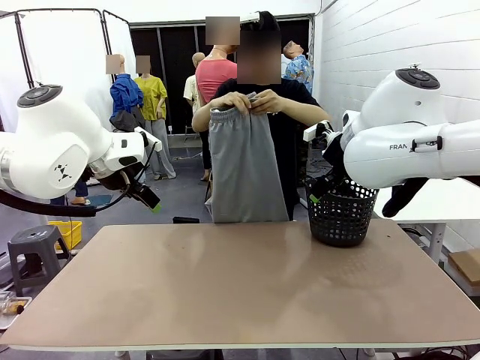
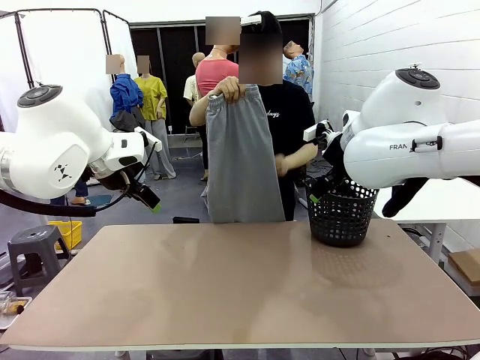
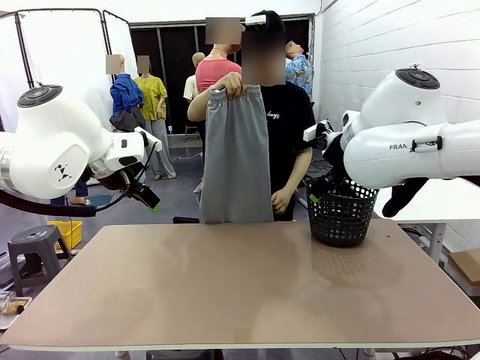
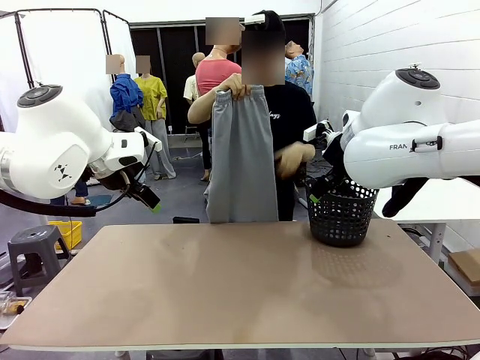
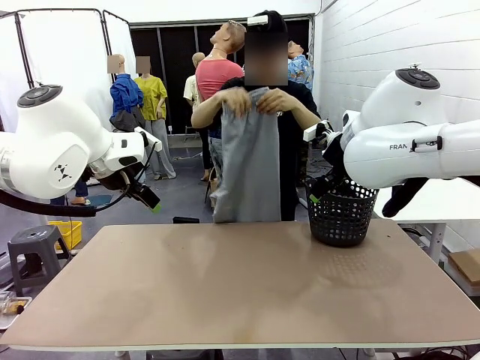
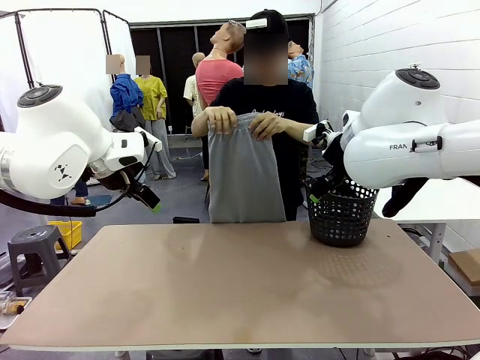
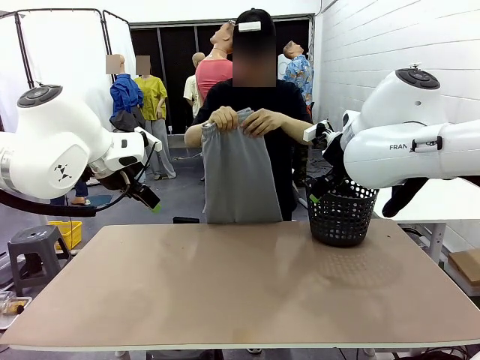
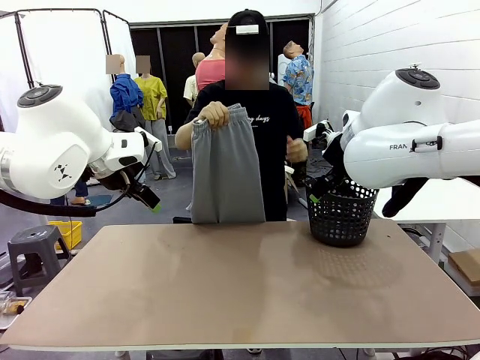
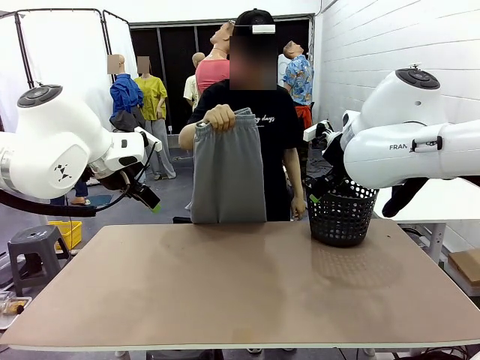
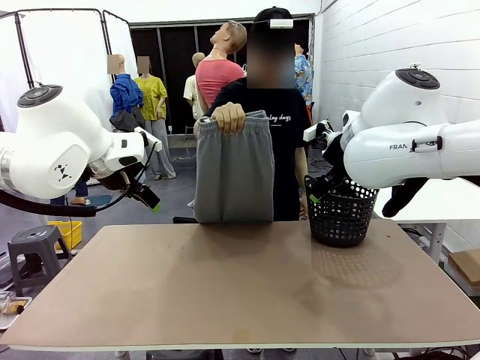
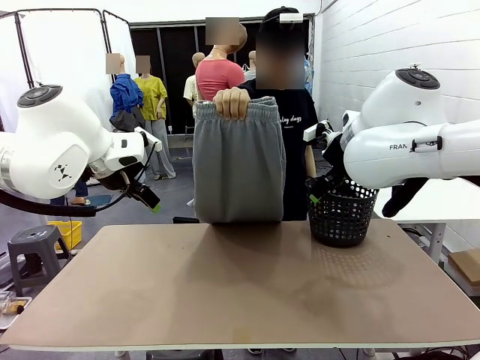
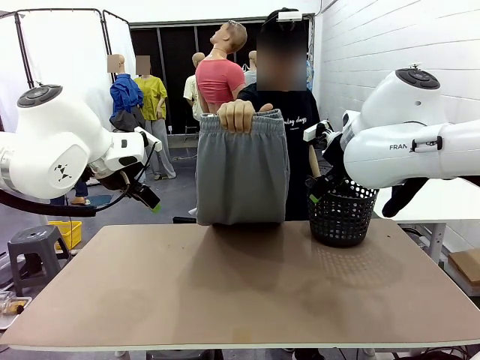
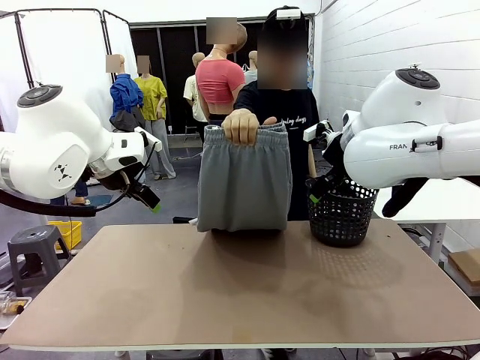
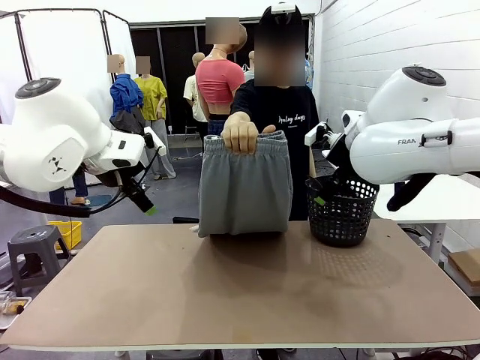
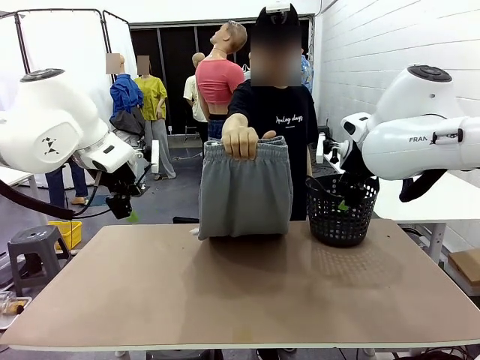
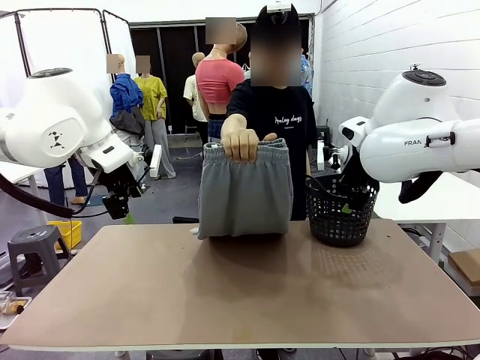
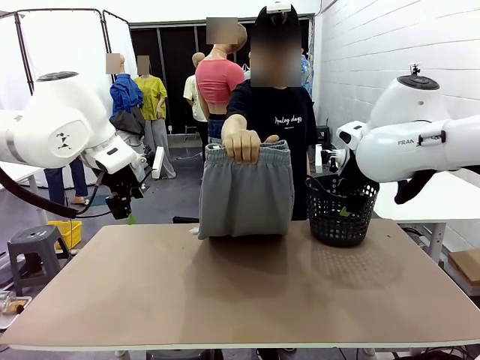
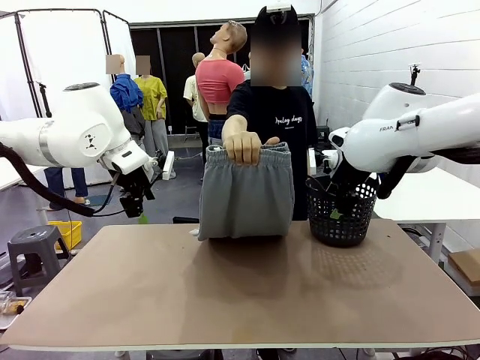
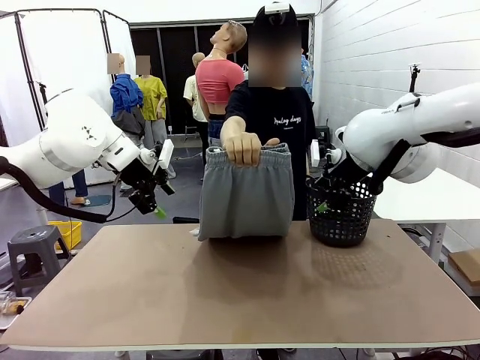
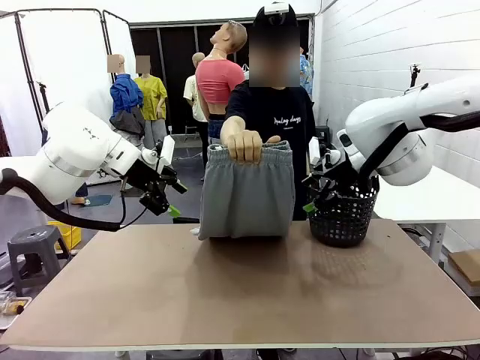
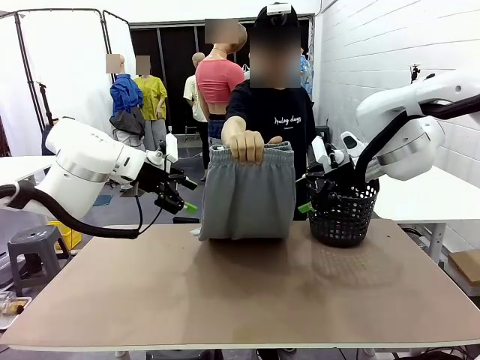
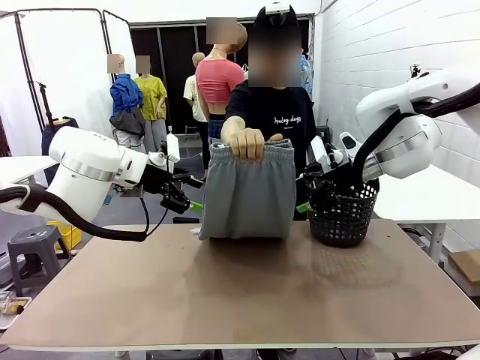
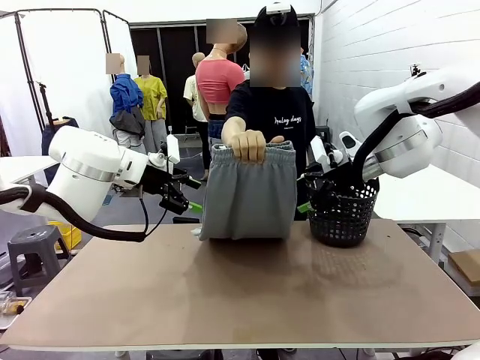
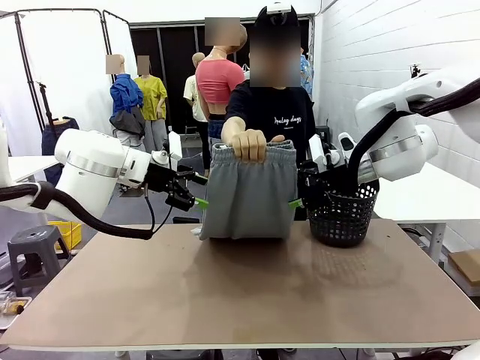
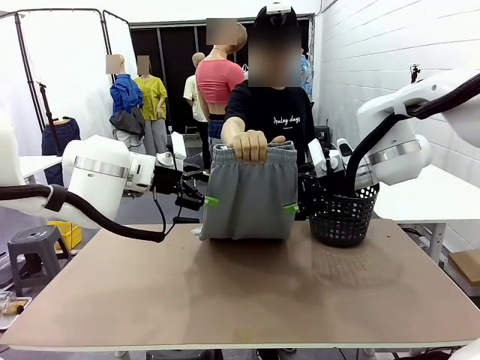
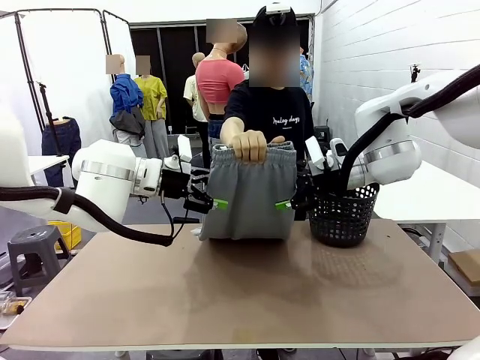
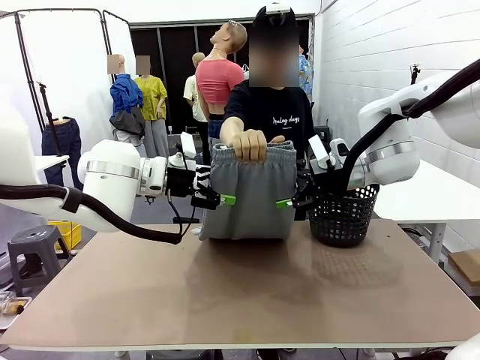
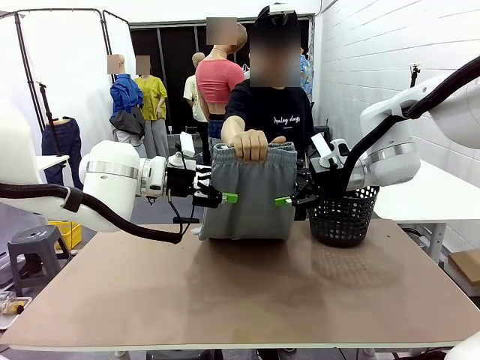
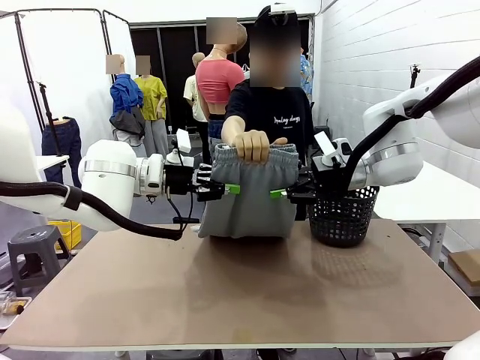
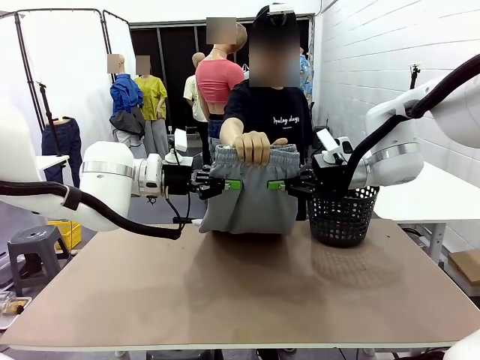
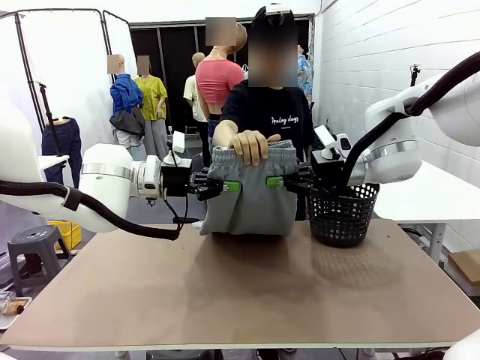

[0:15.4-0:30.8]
Task: Fold the training pants.
Robot: Grab both ends of the Training pants handed by a person.

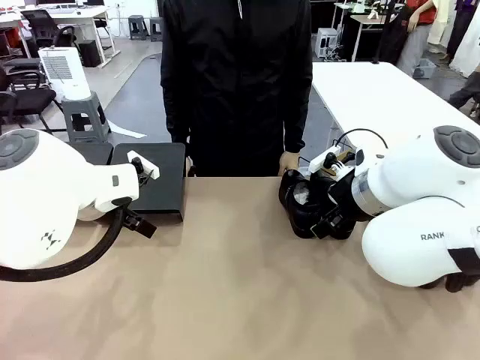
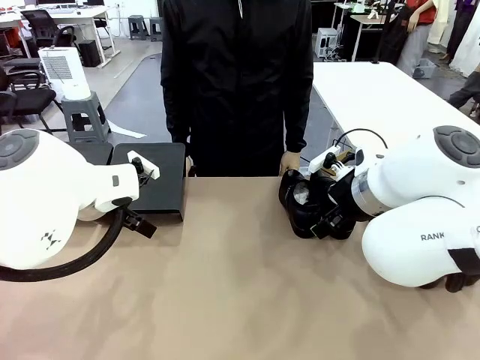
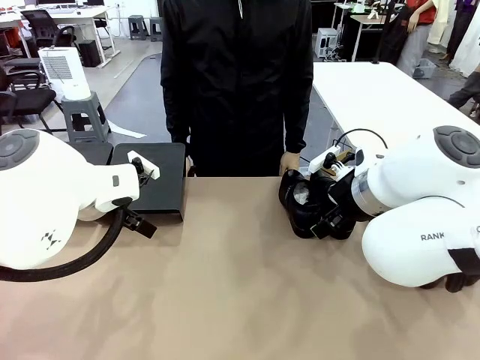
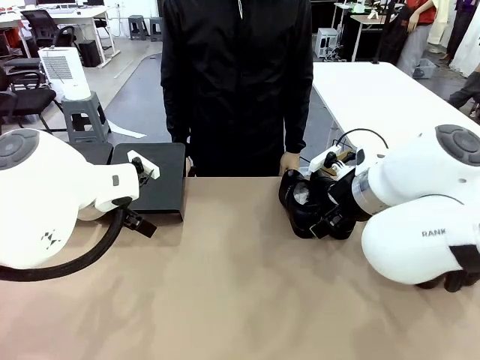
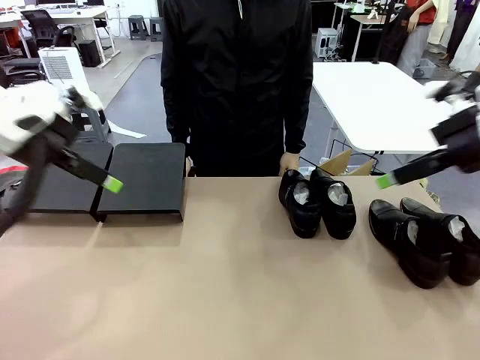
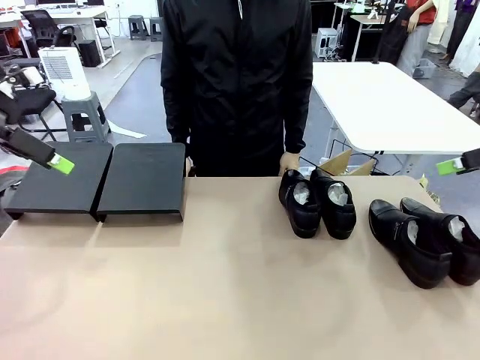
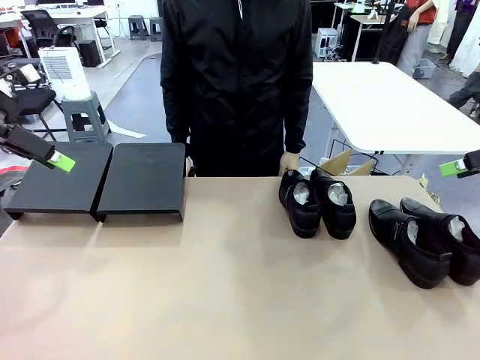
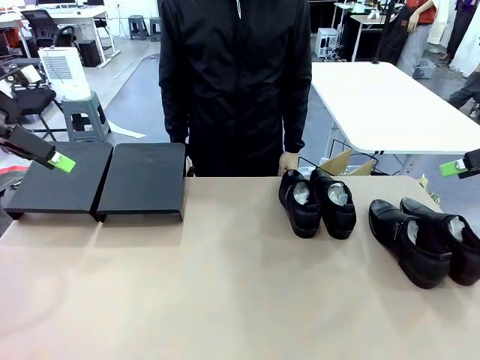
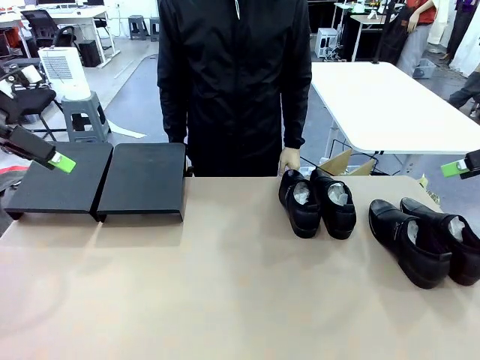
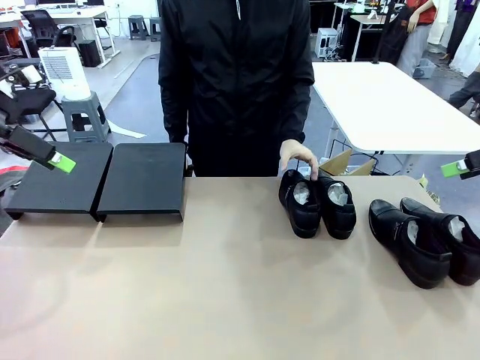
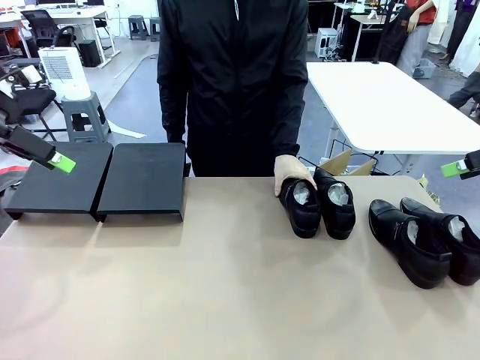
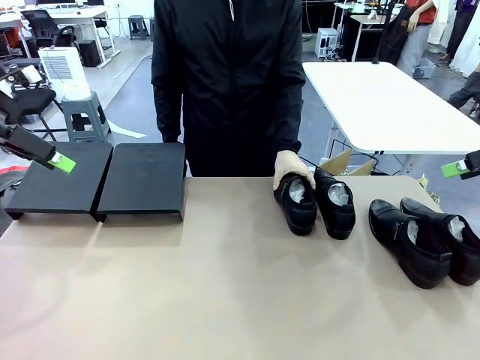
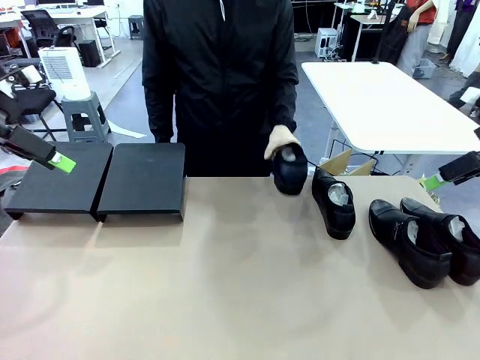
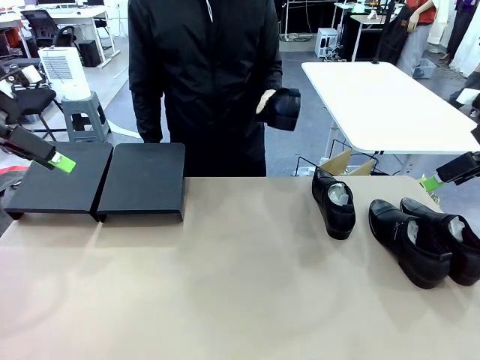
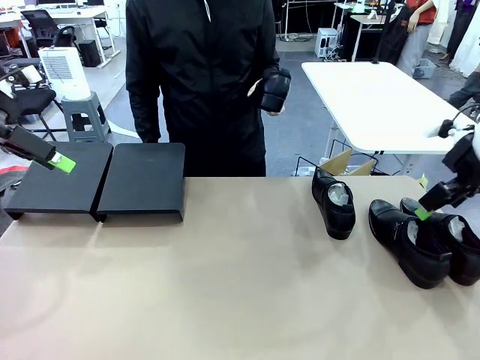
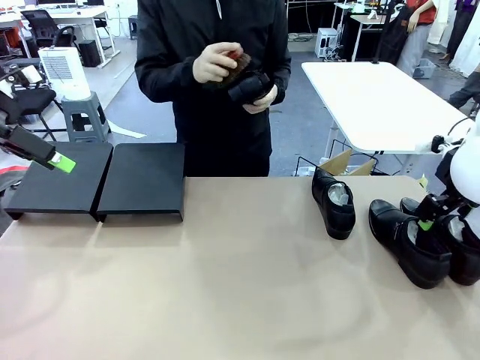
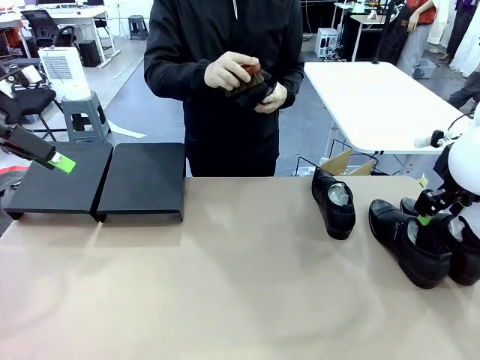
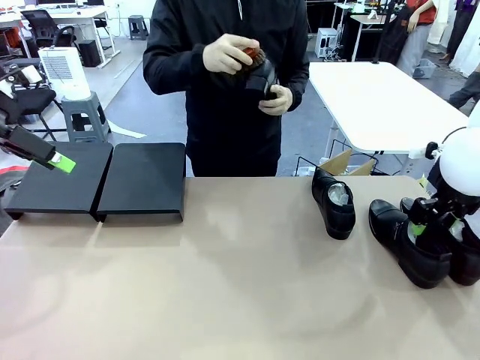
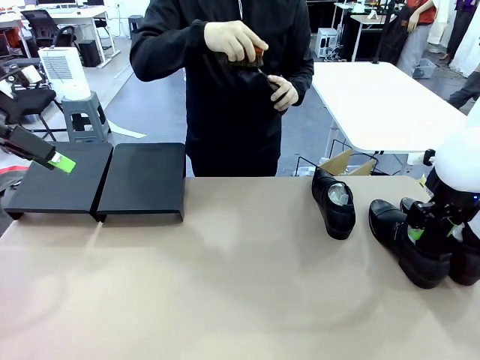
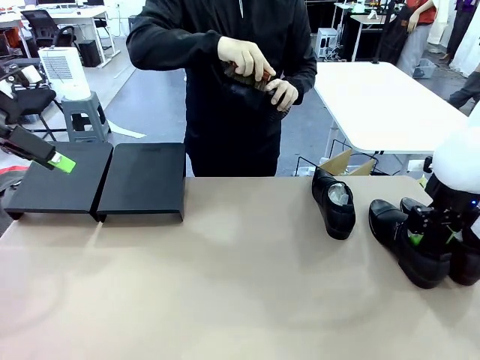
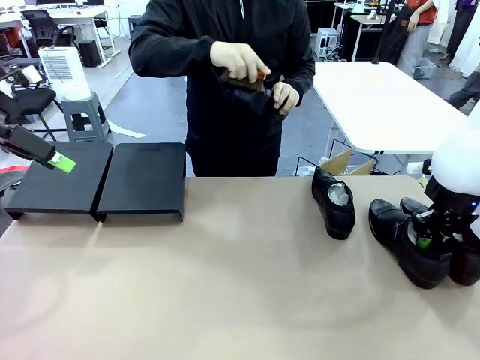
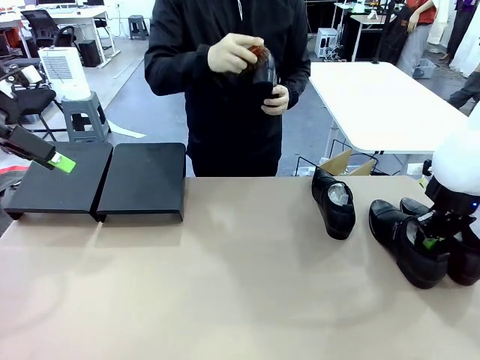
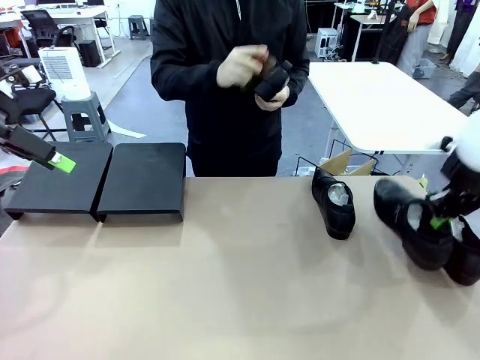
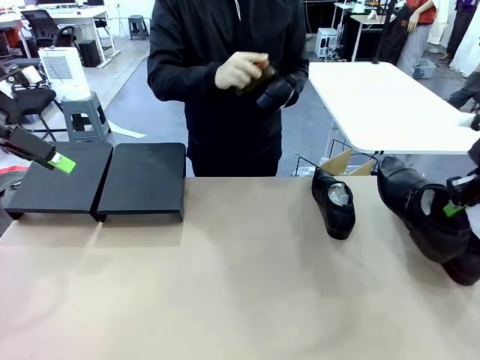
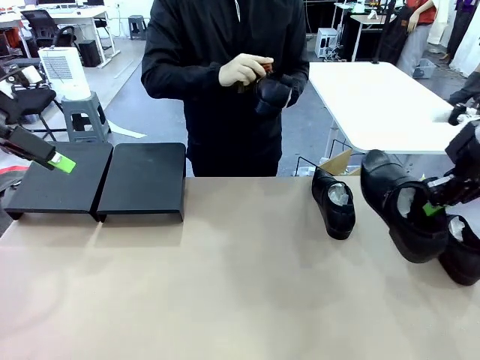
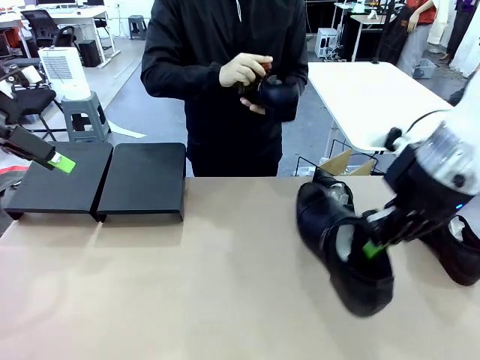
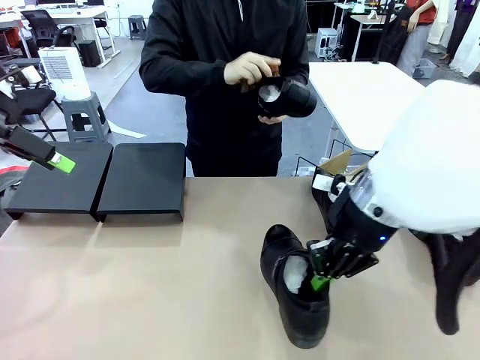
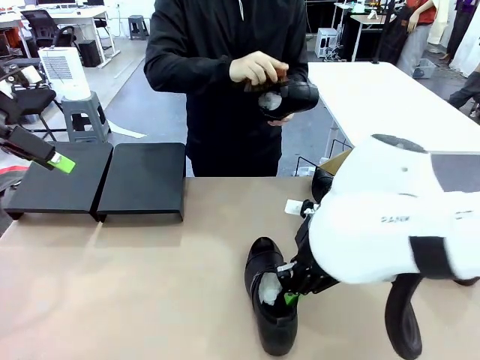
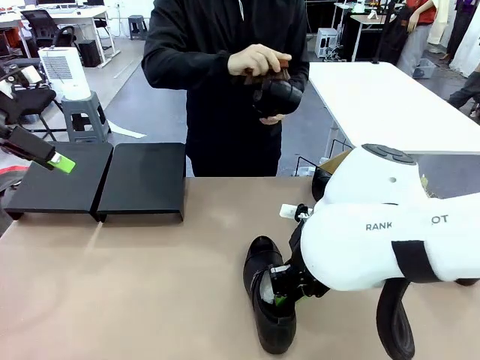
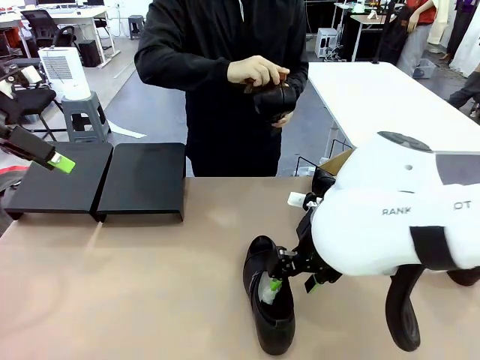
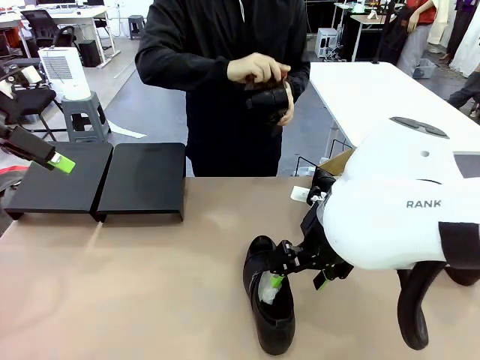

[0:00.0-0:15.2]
Task: Organize the shoes by placing them on the stand.
Robot: Pick up one Shoe and place it in the middle of the table.
Person: Pick one Shoe on Robot's table. Clean the Shoe with the Shoe Brush.
